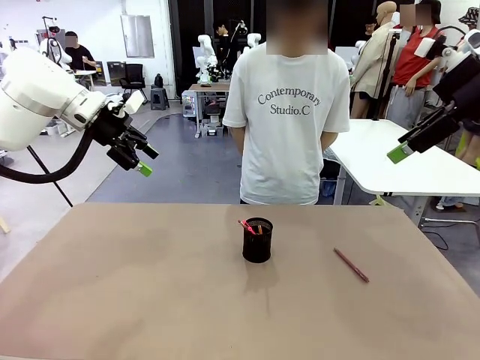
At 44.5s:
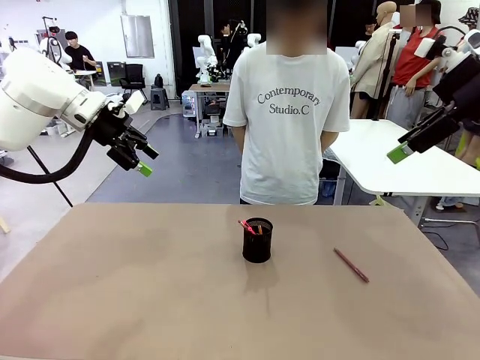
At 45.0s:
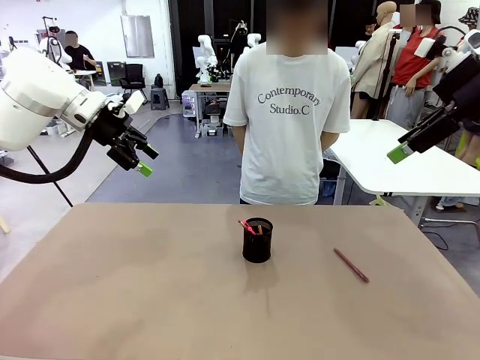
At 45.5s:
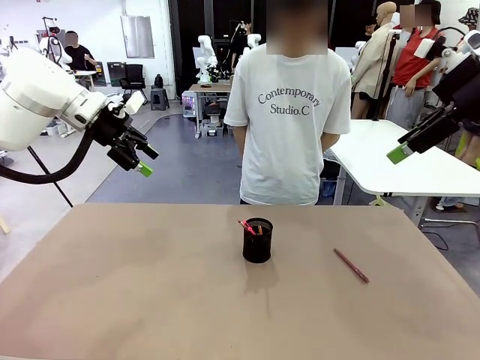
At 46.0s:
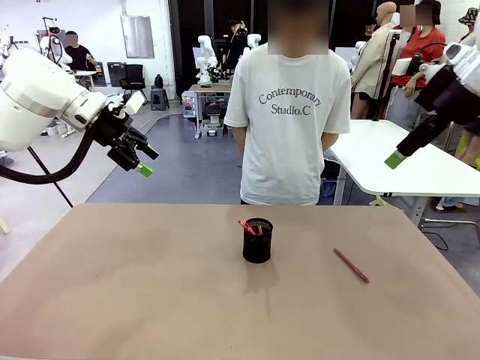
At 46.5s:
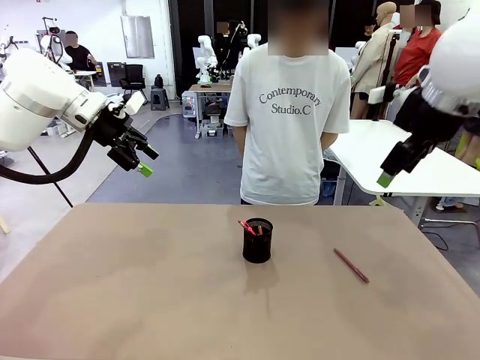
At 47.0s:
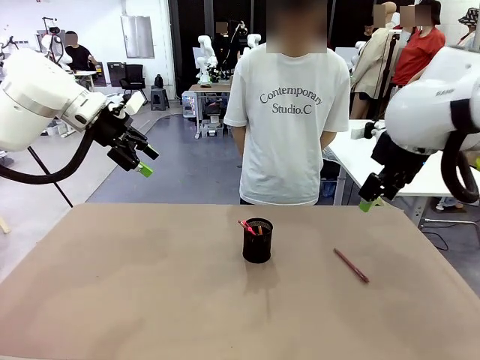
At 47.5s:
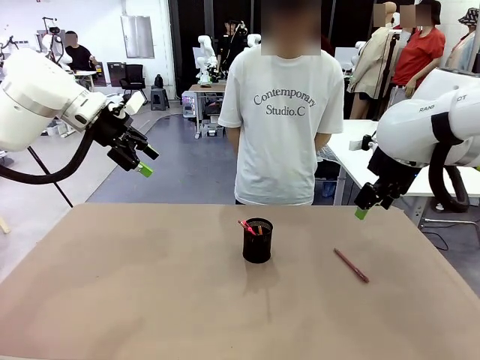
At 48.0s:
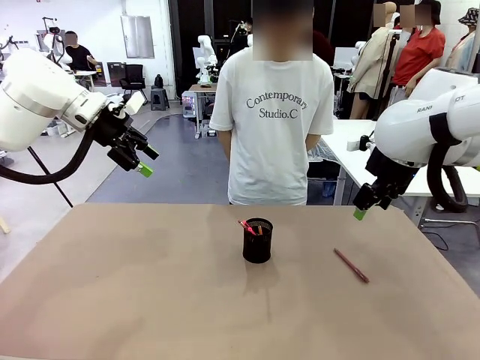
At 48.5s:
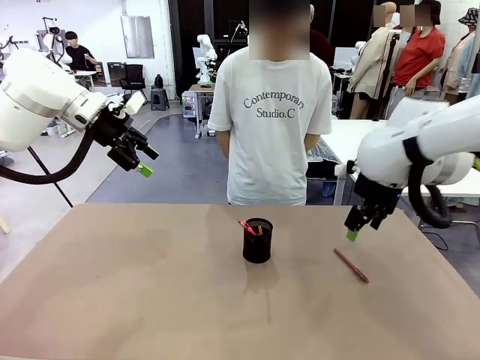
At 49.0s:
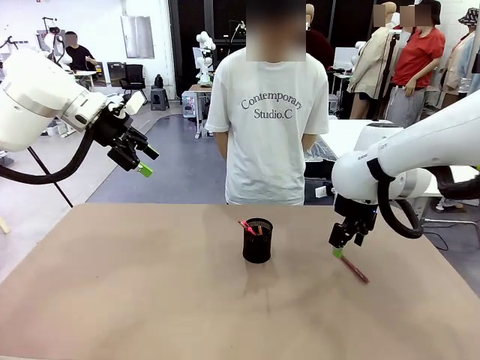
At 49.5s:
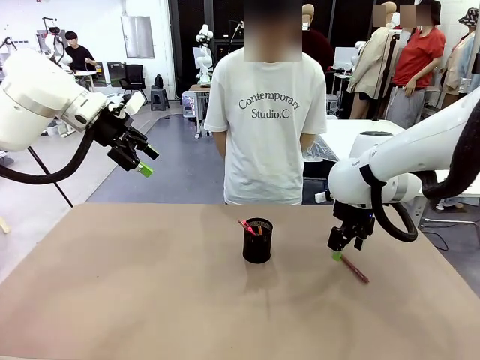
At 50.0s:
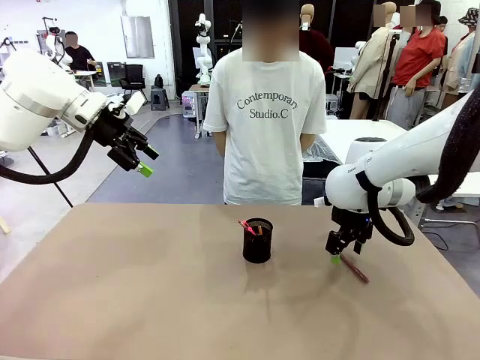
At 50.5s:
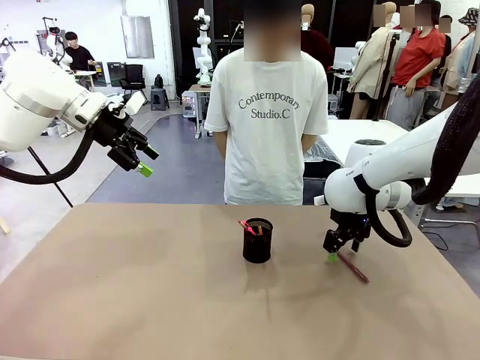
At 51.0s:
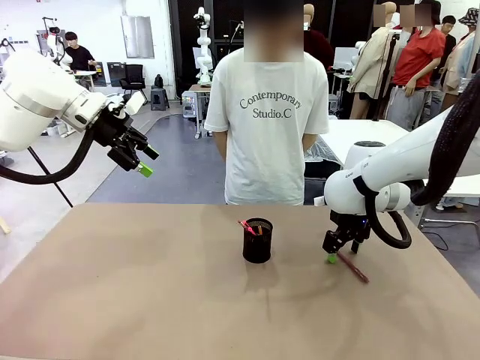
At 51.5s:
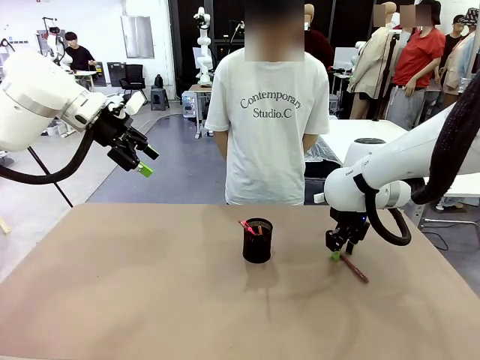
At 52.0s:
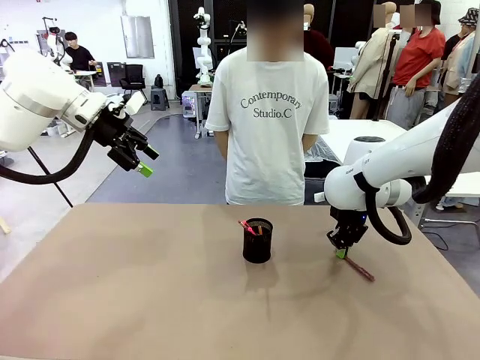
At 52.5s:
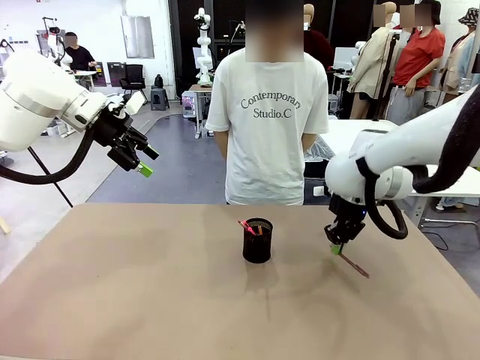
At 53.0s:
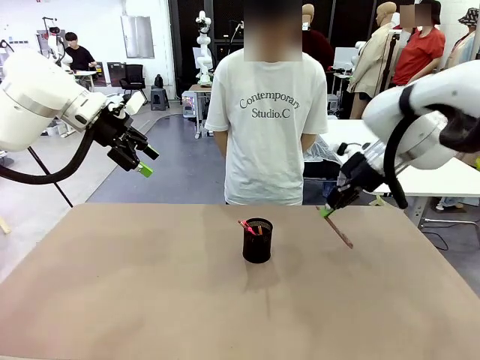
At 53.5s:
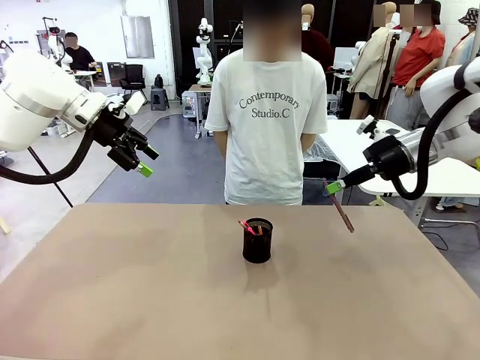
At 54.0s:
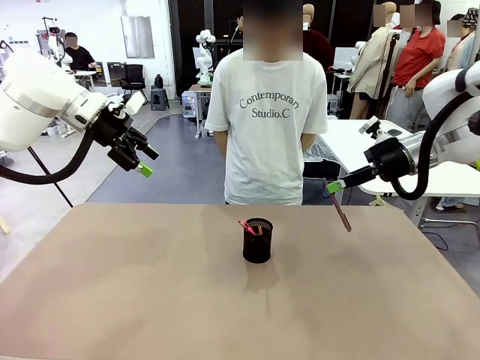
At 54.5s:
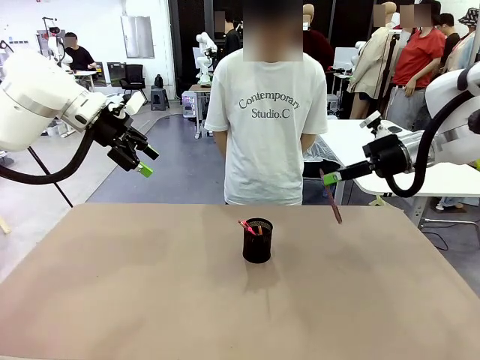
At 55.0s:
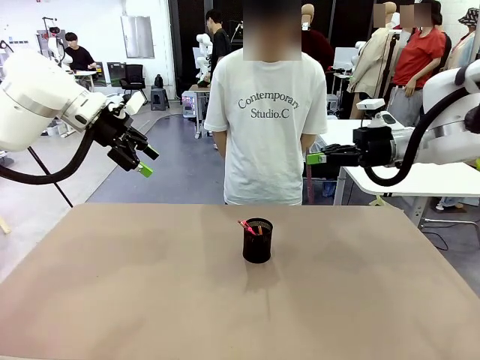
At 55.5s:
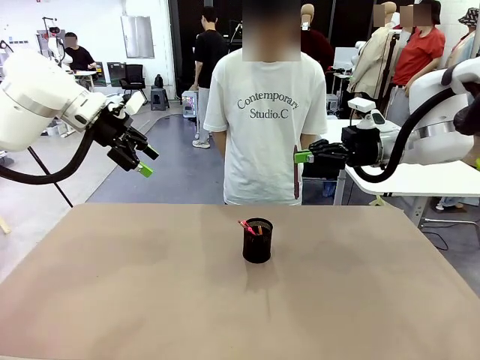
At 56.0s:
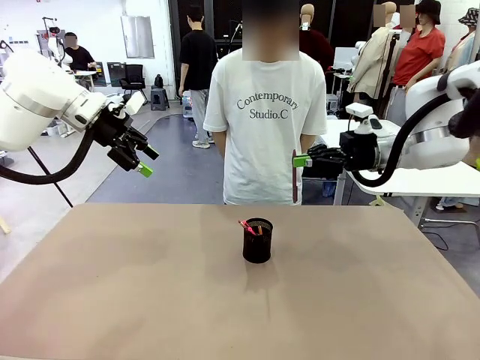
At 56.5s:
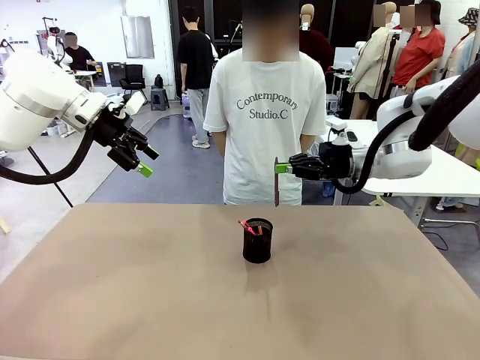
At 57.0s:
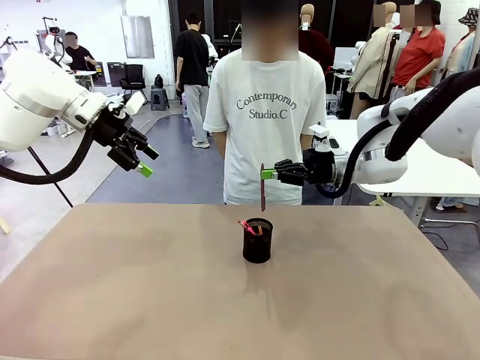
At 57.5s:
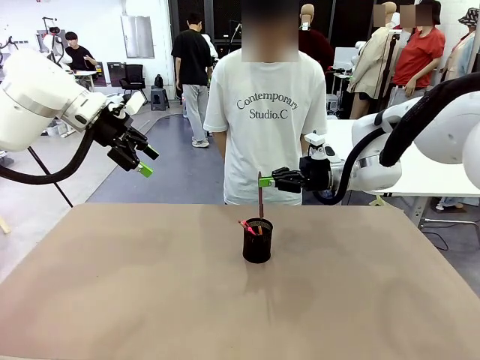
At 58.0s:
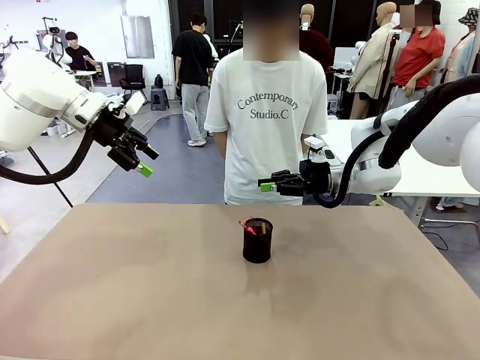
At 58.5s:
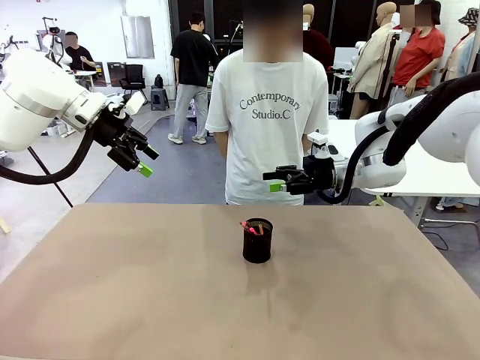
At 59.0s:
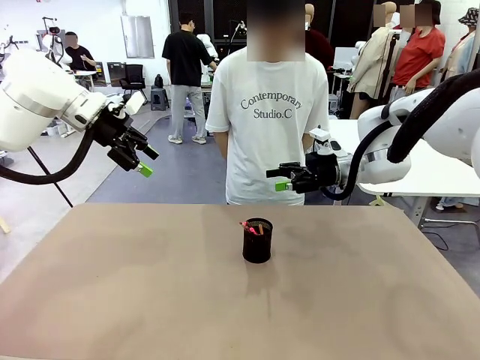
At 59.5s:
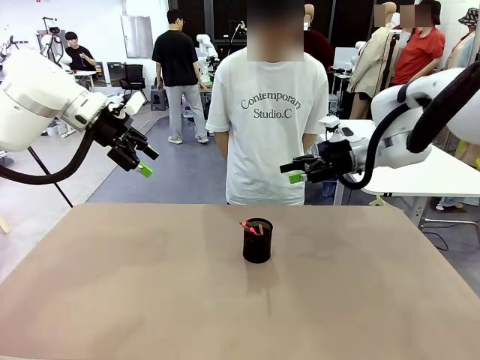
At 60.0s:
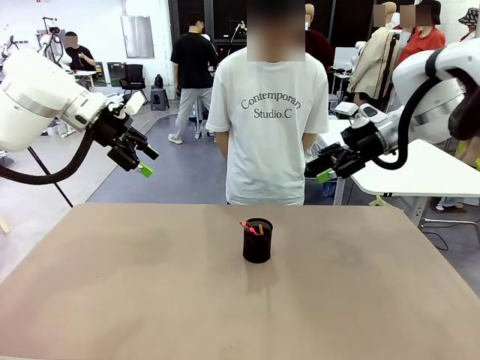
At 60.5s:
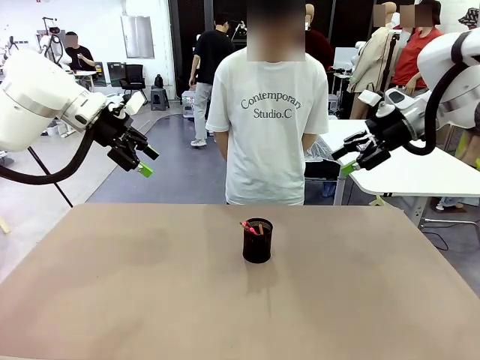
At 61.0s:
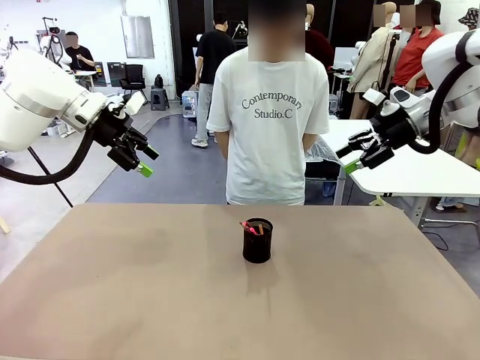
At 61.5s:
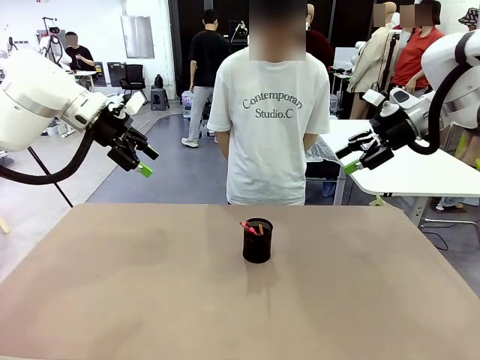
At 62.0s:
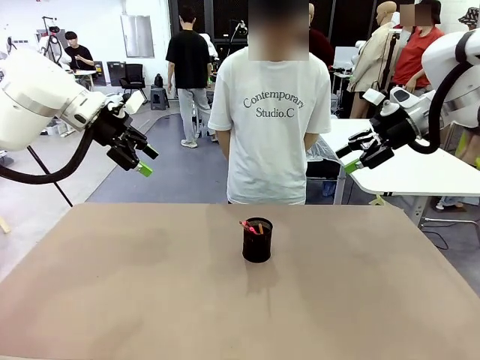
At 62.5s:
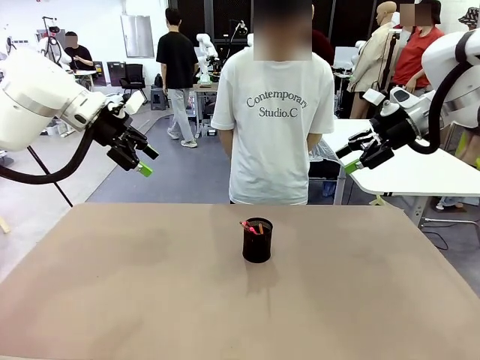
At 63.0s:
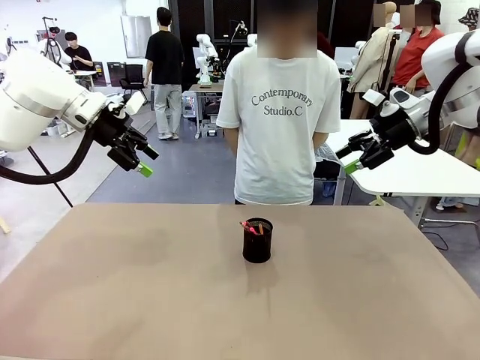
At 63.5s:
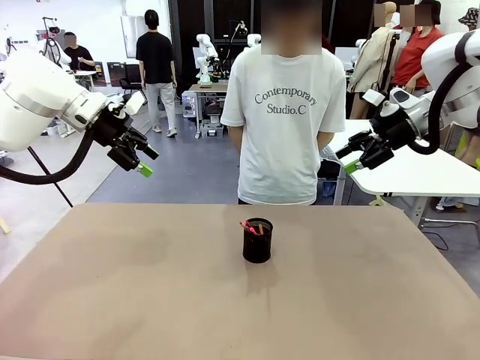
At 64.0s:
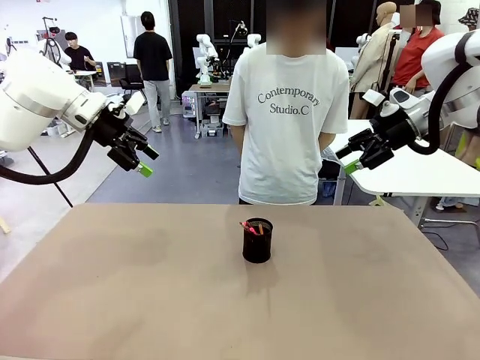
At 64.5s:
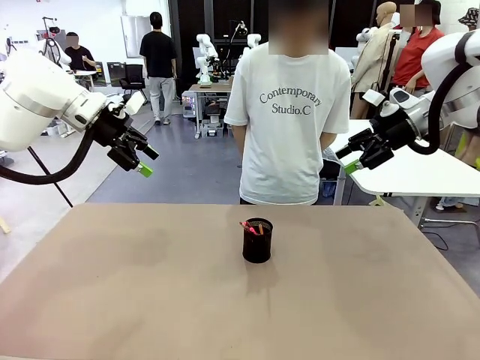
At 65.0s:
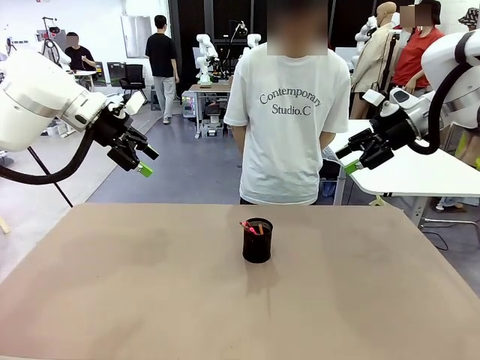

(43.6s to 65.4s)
Task: Place the pens into the pen holder.
Robot: Pick up a writing instrument from the table and place it into the Pen holder.

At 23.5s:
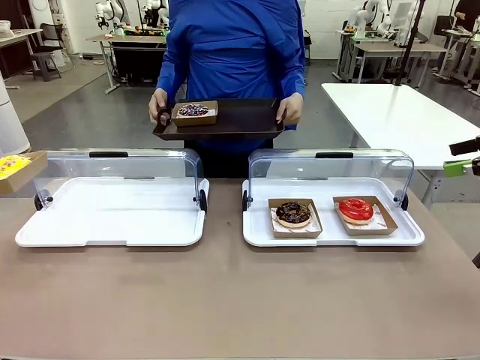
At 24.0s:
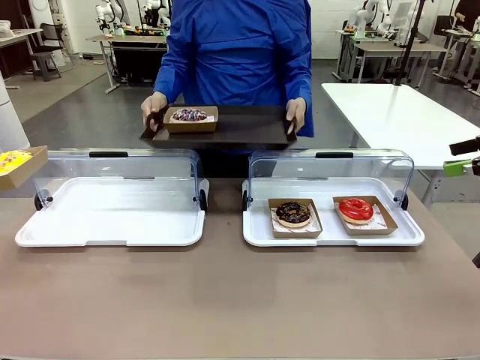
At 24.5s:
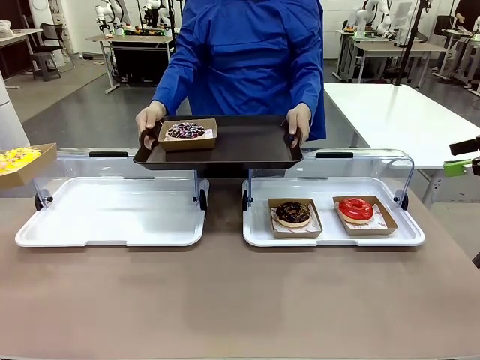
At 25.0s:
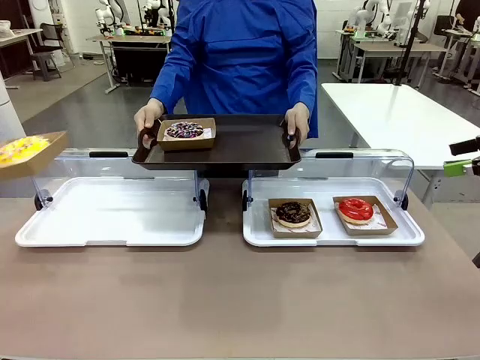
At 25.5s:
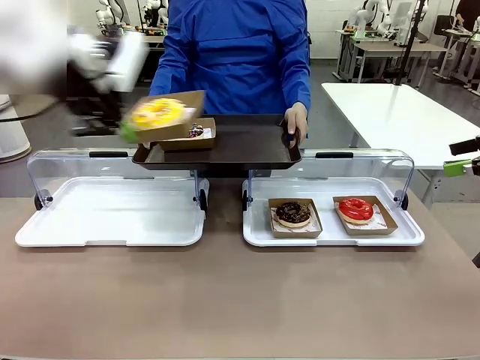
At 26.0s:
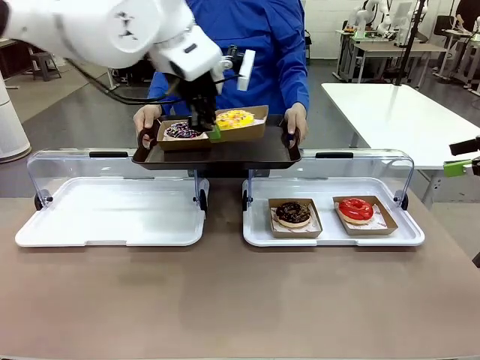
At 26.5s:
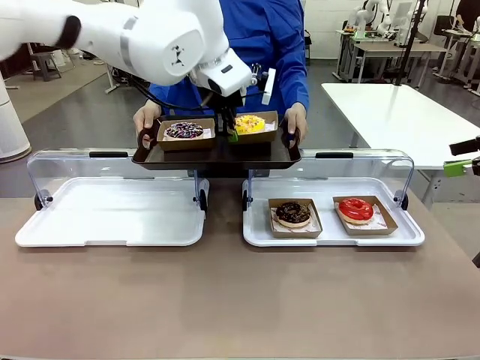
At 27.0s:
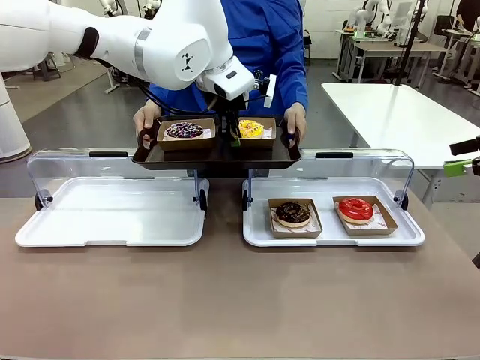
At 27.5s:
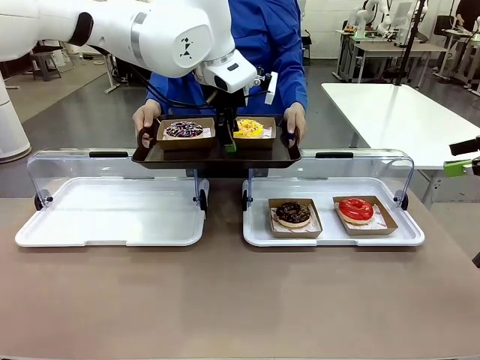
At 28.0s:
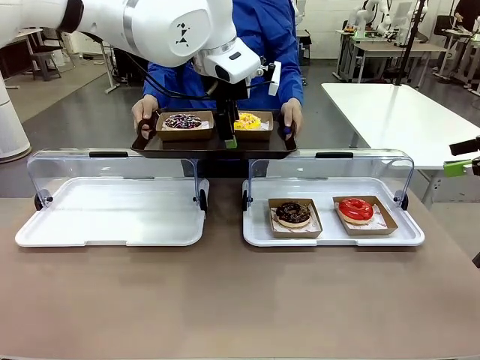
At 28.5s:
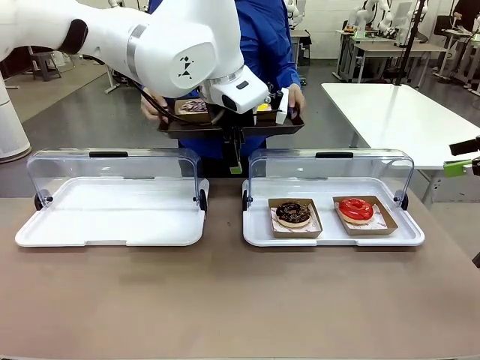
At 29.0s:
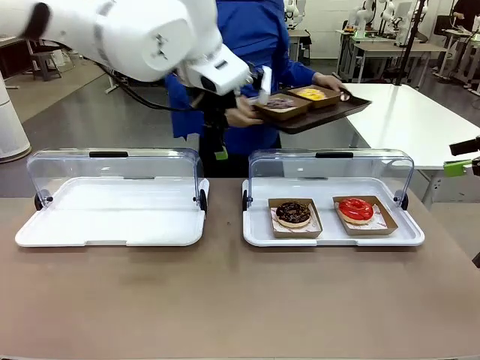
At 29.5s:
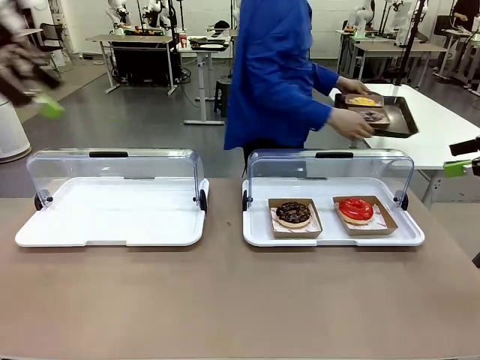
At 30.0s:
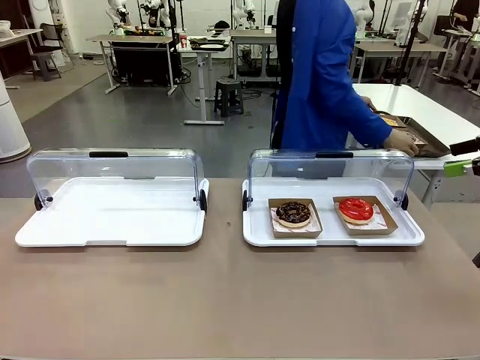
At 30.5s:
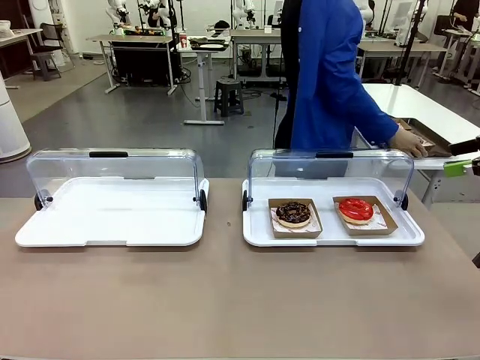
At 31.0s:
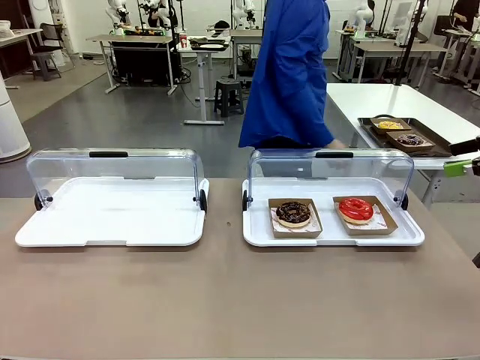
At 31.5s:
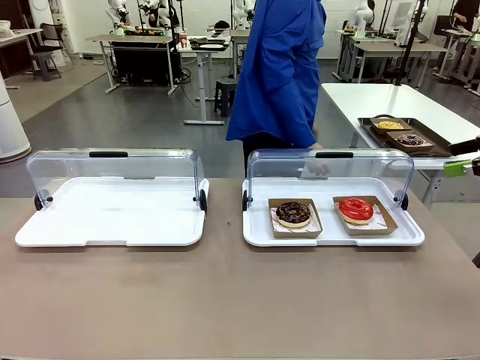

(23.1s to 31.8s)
Task: Provide the desired donut to the person.
Robot: Place the picked Paper togo box onto the Handle tray extended by the person.
Person: Place the tray in the middle of the human table.
